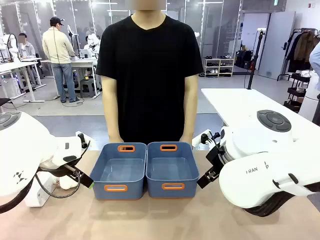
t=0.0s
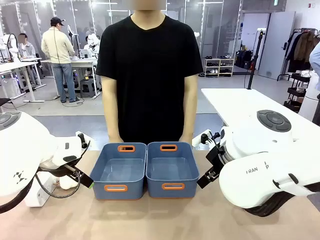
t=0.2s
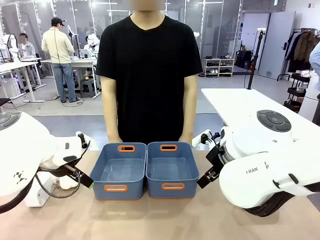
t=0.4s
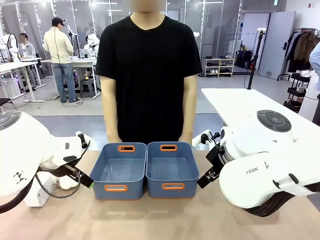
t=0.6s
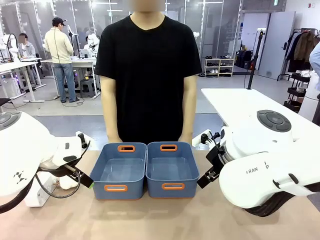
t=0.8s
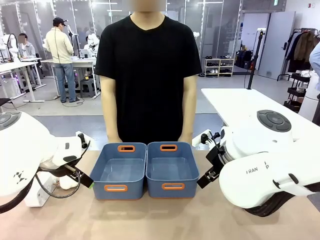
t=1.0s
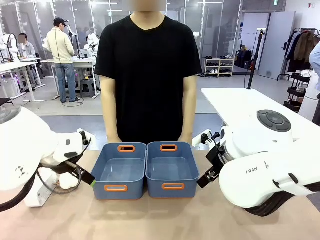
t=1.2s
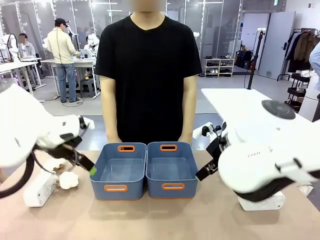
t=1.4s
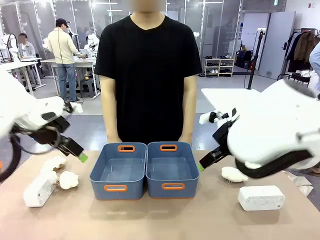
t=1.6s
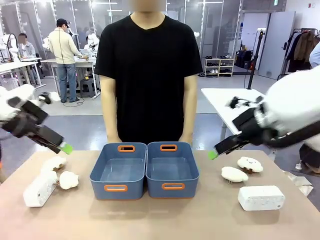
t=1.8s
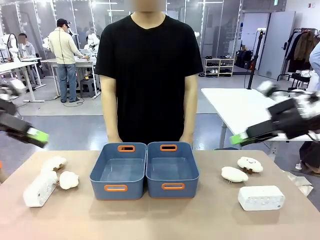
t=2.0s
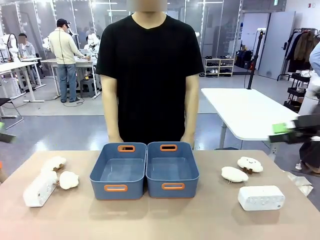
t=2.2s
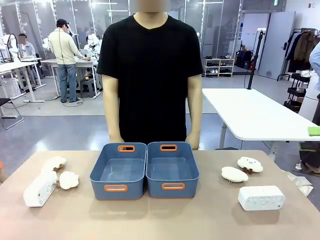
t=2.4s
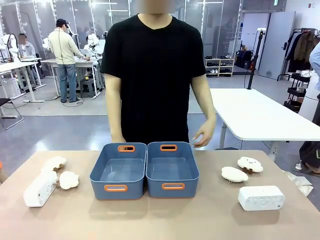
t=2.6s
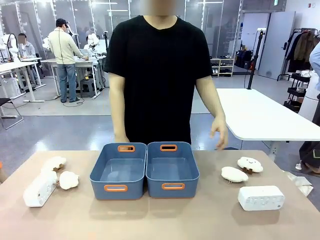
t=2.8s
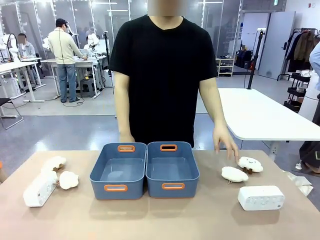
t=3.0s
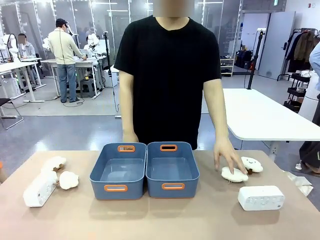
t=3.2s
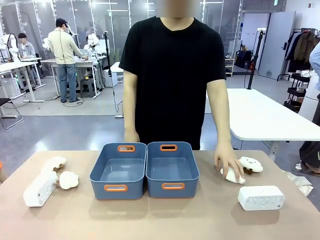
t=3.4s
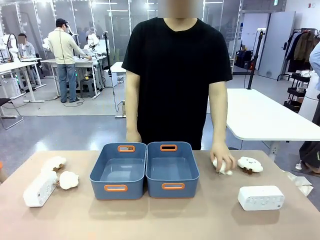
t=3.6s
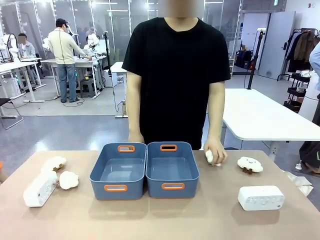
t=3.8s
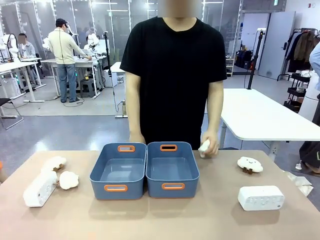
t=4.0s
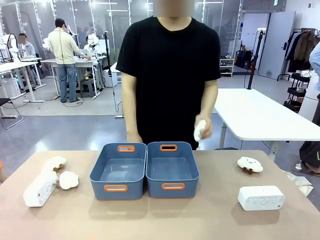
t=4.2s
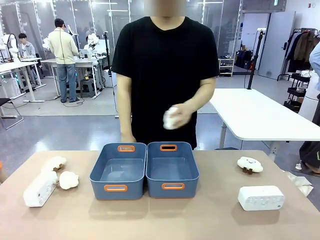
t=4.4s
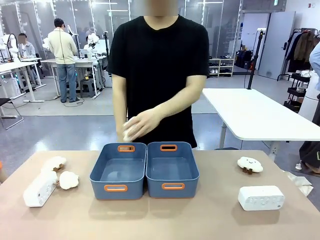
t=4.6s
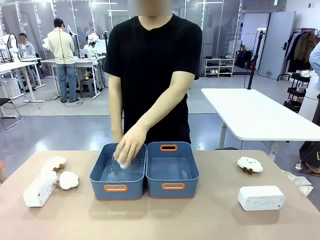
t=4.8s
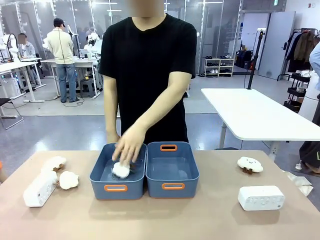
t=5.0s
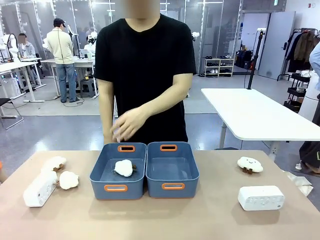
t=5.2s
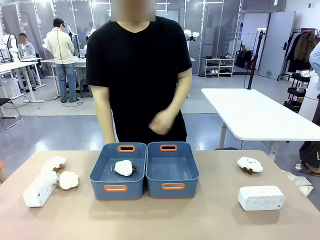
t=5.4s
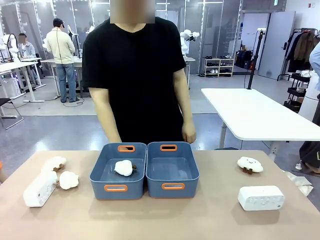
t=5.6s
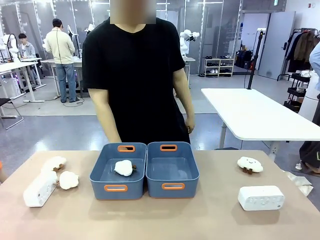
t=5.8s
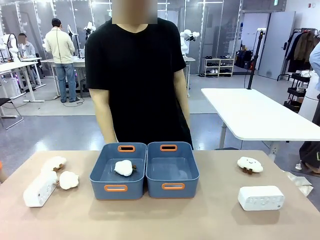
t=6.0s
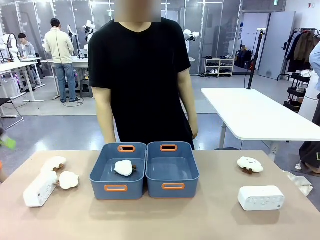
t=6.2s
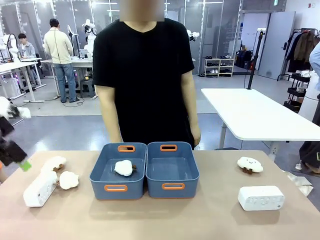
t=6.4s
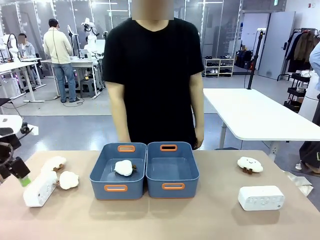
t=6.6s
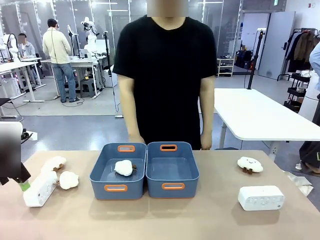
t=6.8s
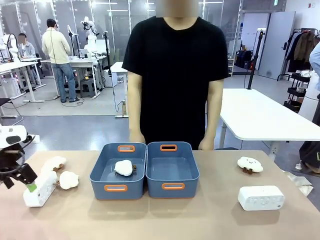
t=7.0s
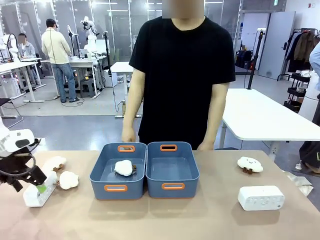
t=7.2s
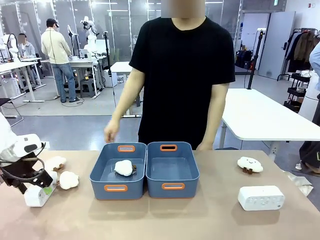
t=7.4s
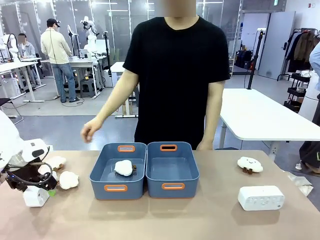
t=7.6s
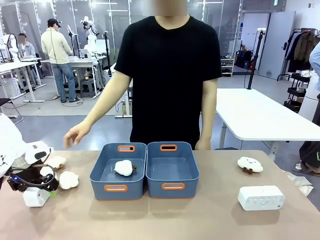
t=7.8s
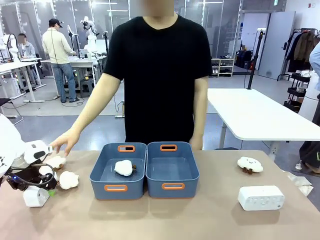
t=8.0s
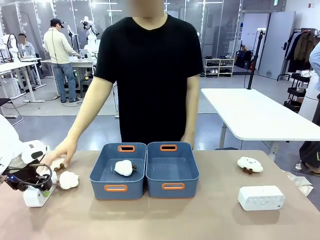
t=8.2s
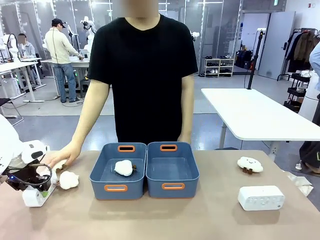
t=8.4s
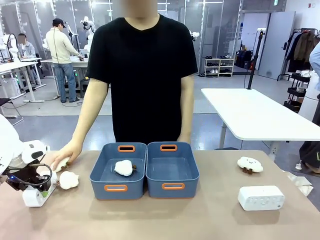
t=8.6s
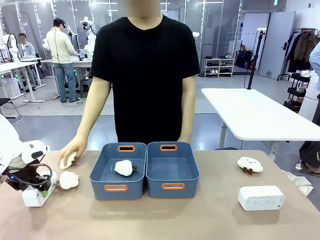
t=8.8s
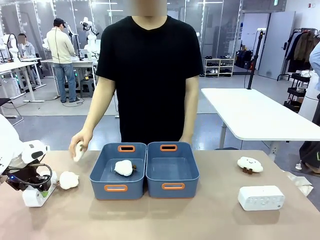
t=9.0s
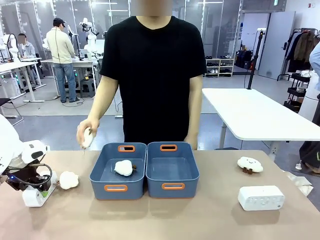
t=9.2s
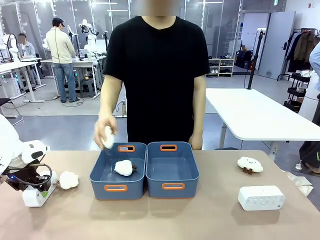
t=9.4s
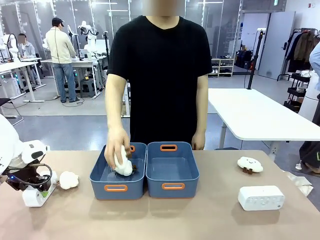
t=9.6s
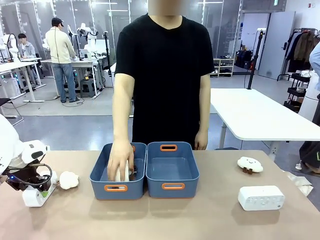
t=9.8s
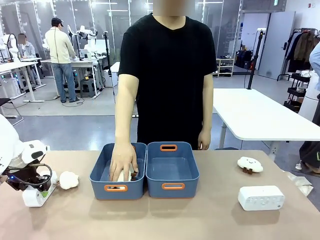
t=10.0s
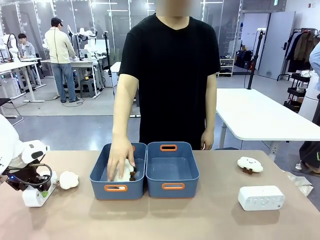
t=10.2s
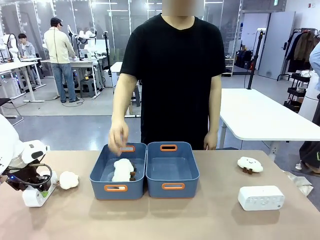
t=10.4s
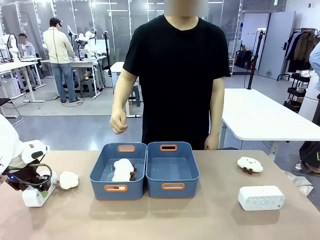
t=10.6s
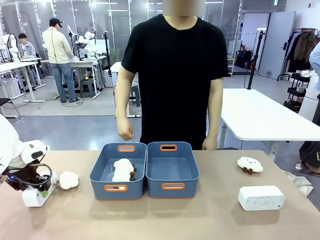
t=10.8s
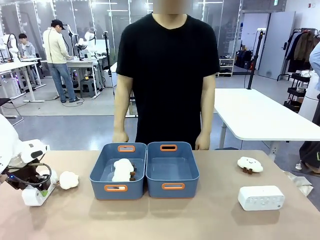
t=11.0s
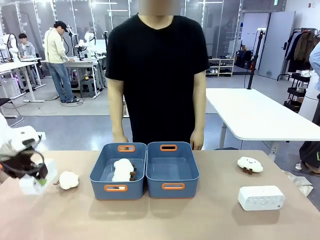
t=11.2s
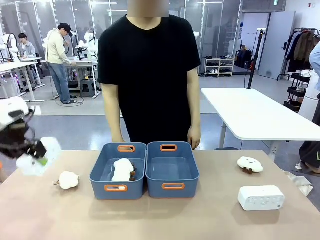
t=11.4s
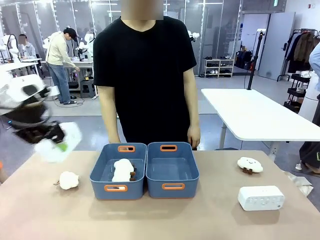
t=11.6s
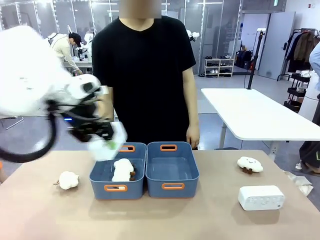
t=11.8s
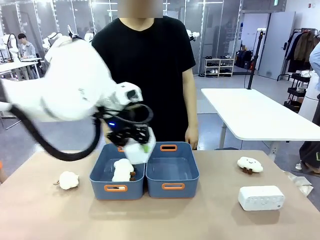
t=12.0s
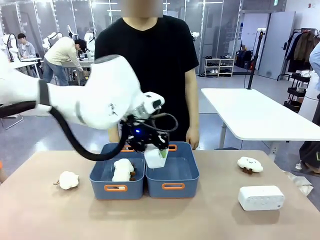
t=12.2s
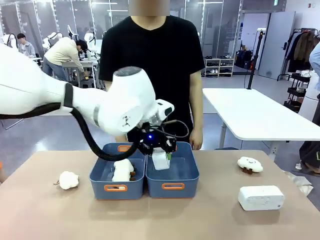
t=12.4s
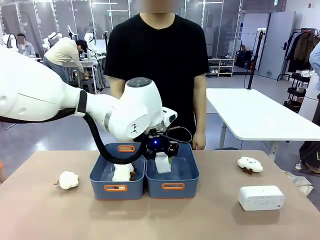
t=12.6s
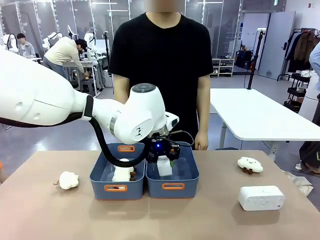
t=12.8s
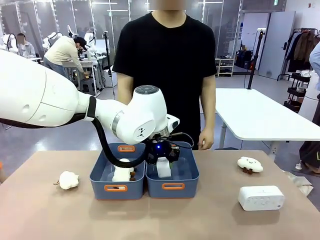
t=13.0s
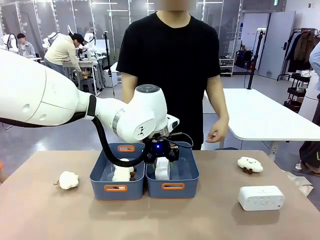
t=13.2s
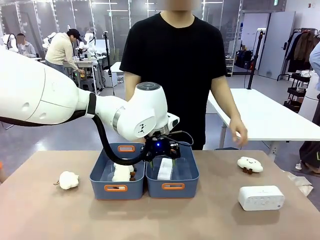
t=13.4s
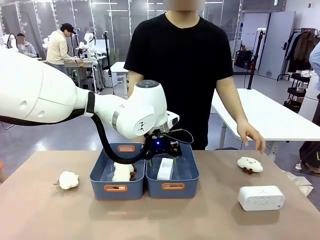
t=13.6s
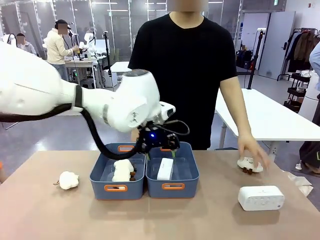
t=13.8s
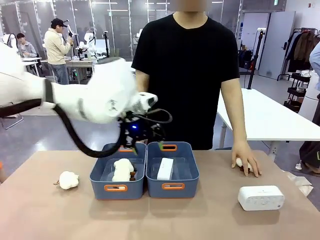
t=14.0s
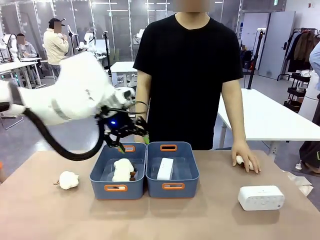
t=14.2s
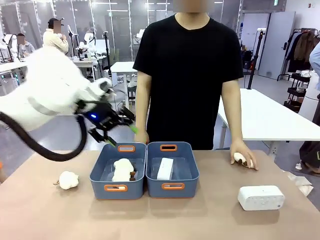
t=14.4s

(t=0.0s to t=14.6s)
Task: Sort the digital clocks into the basket.
Robot: Pick up the Digital clock from the table and place it into the empty Plastic storage basket.
Person: Pick up a plush toy from the table and place it in a plastic storage basket.
